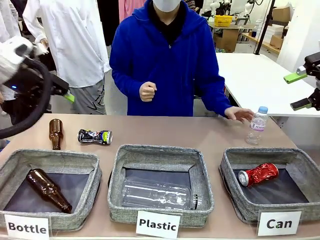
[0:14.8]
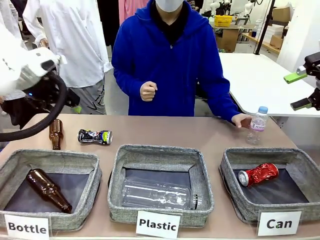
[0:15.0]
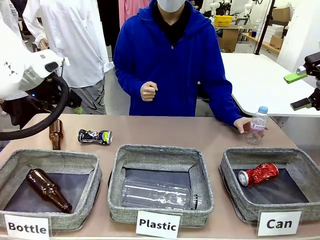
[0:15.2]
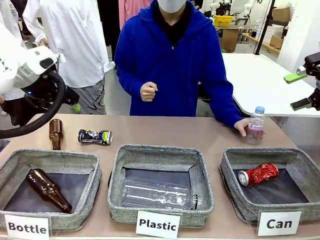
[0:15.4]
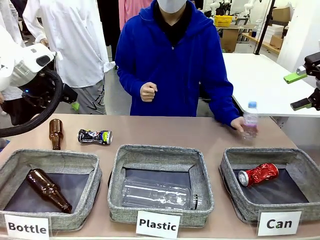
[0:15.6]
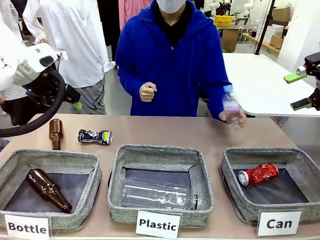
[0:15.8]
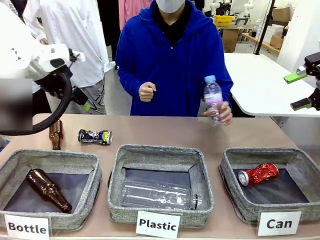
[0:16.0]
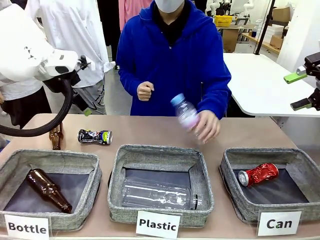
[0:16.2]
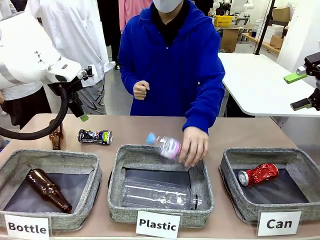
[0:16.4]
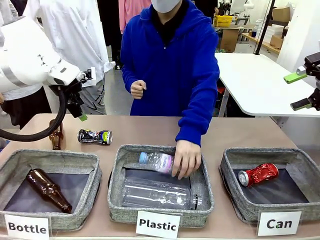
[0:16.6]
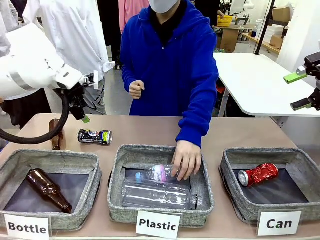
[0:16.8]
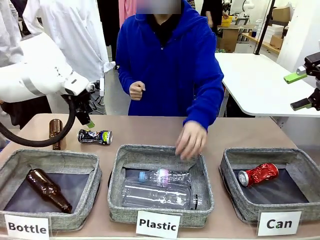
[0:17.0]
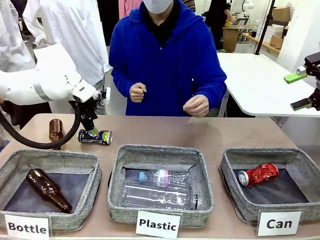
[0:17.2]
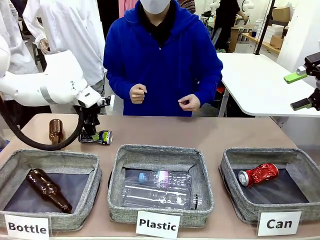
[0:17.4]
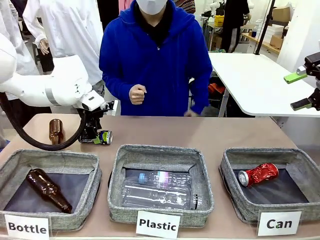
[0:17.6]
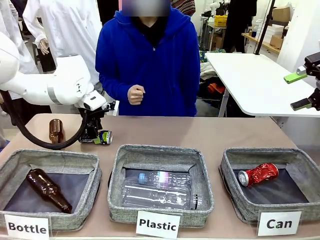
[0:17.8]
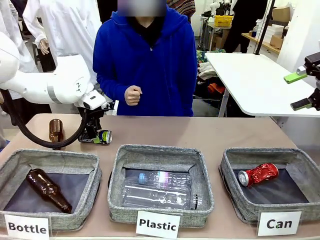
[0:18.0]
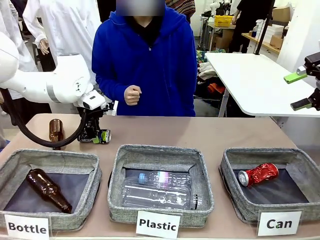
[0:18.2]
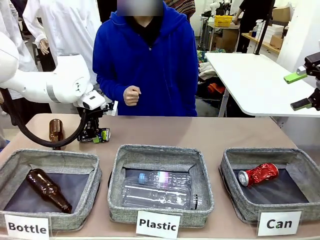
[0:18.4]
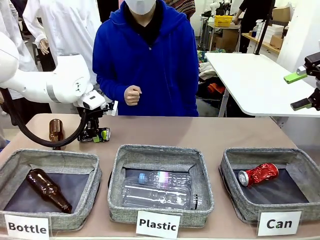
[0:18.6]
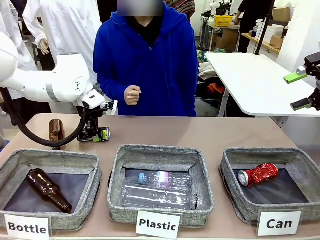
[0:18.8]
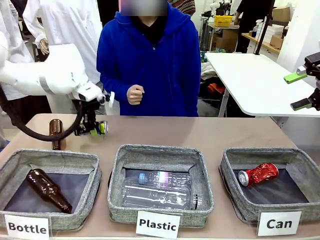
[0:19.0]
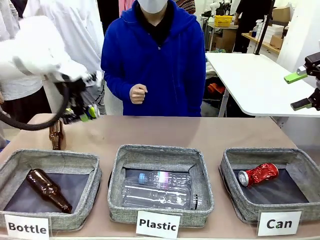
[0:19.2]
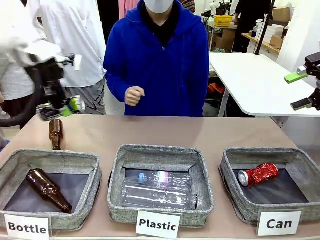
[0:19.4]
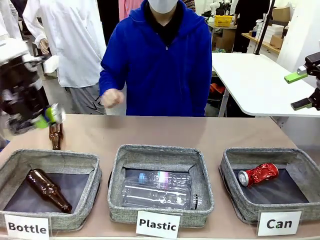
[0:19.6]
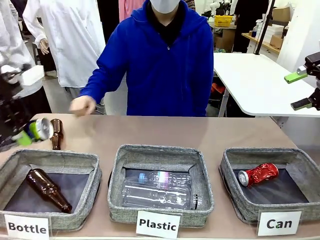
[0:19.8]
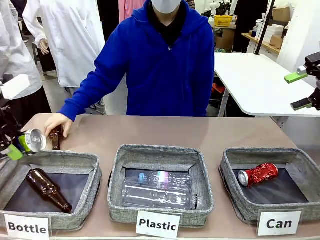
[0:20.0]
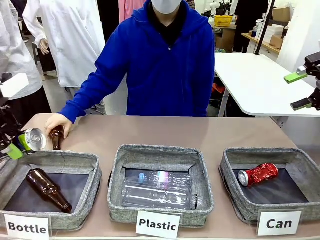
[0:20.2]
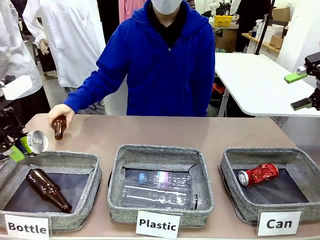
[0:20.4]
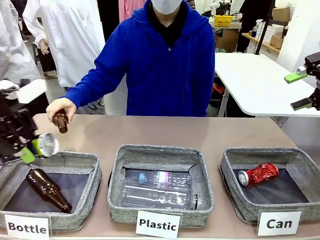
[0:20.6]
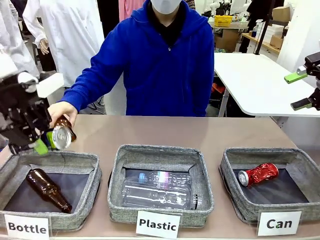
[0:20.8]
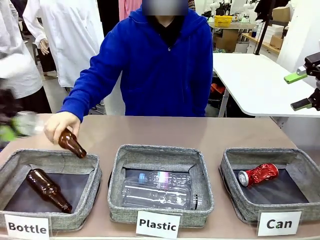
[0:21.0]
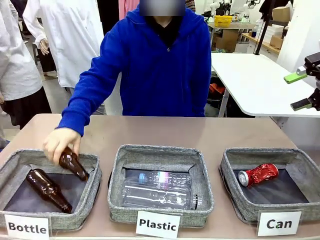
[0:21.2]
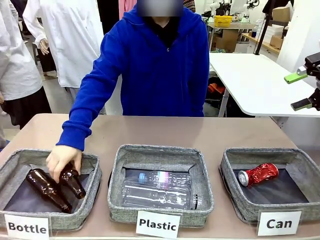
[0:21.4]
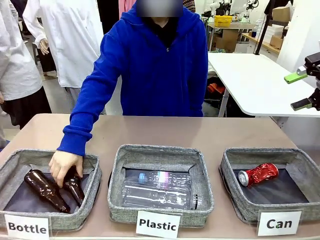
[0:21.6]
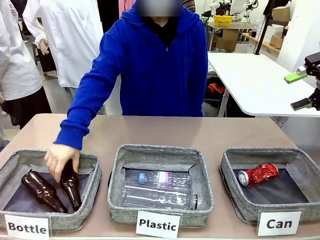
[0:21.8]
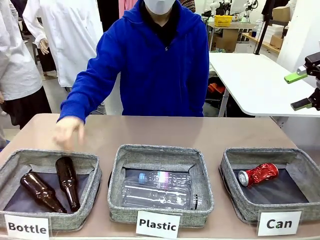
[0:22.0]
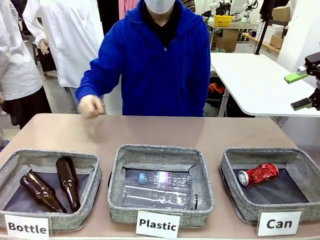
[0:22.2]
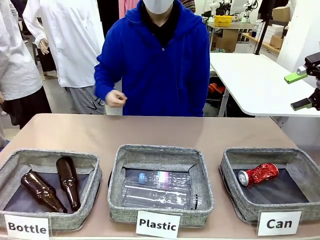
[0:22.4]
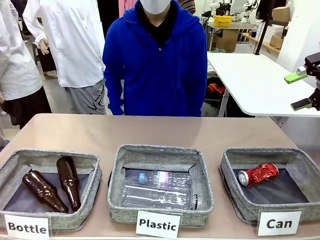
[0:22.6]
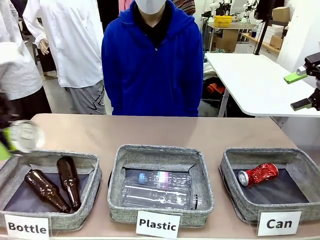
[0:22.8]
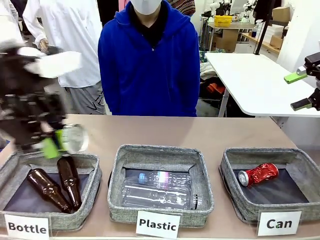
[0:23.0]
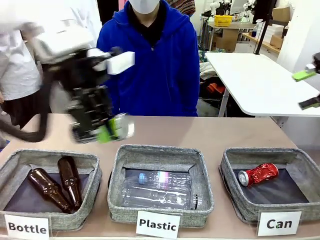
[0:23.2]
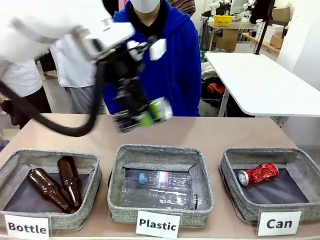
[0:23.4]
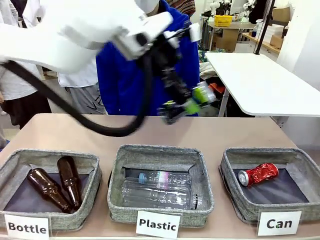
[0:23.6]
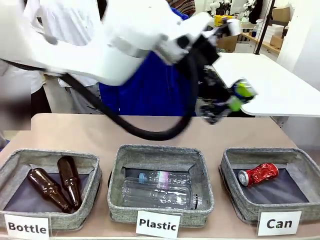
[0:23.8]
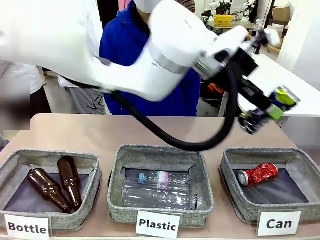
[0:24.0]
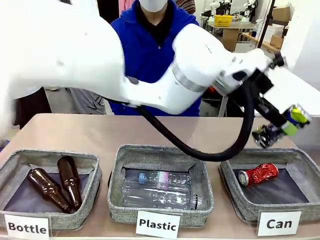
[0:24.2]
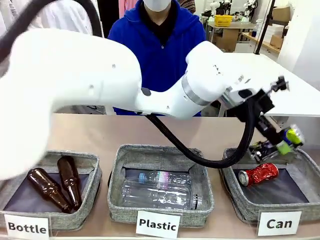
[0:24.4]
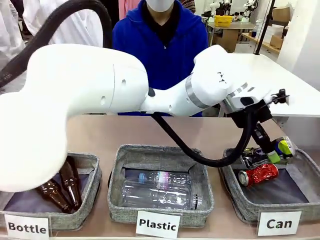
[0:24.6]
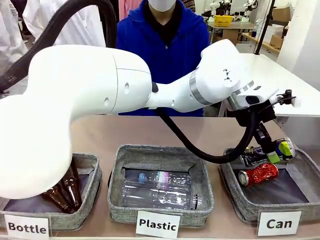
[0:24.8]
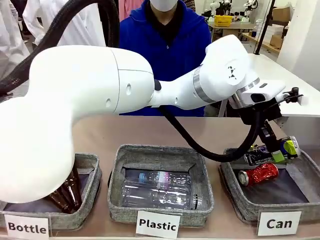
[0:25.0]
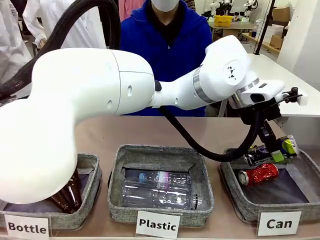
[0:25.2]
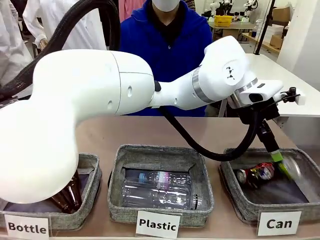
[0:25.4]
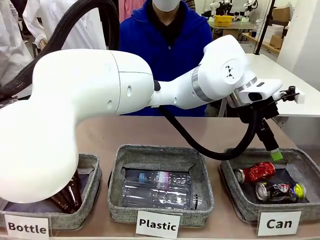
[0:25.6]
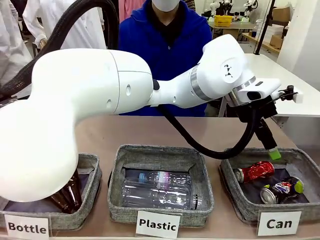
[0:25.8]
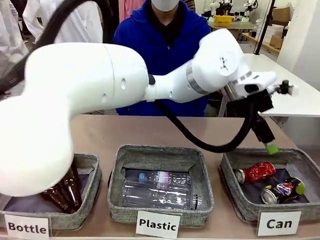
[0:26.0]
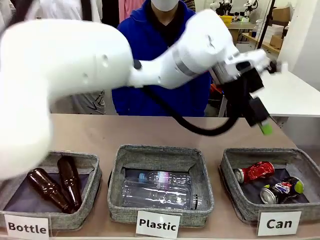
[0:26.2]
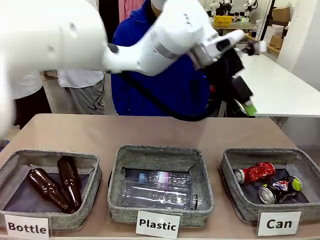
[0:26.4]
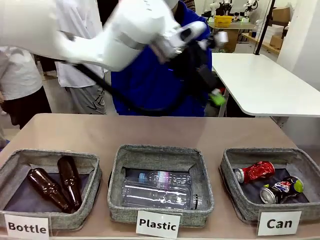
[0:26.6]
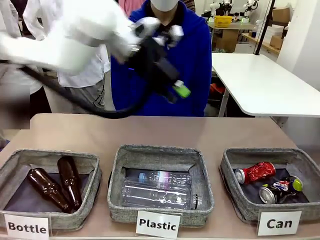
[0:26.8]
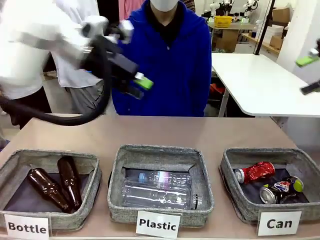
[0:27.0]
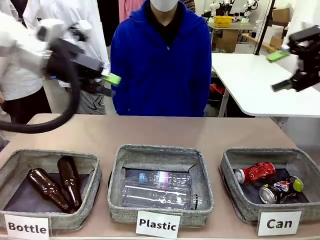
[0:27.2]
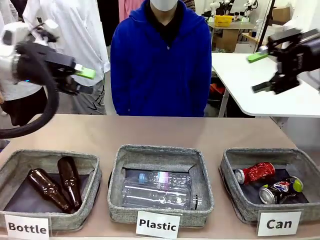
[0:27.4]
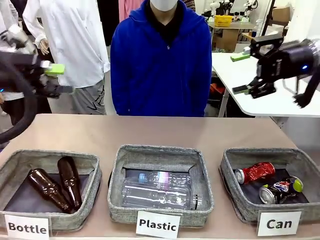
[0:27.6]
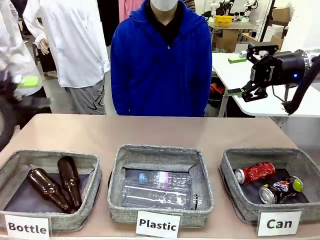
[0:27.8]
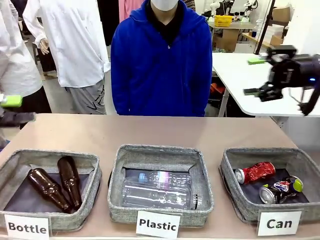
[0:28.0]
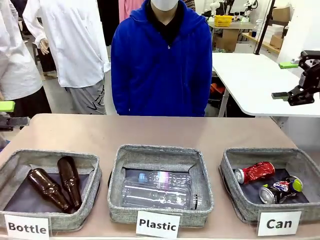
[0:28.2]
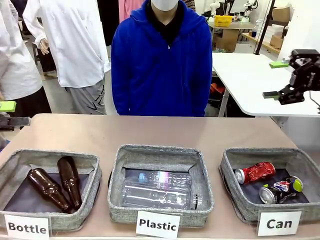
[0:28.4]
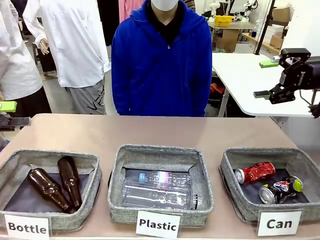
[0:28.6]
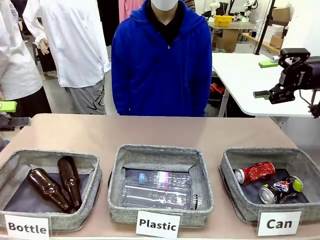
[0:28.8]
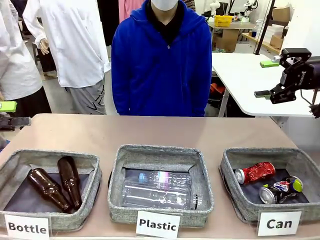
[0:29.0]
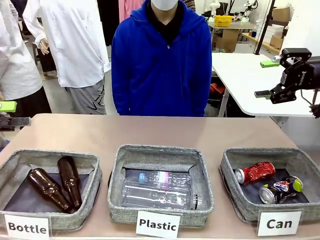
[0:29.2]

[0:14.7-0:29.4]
Task: Sort the can waste into the basket.
Robot: Pick up the can waste from the table and place it in the right Fabric basket.

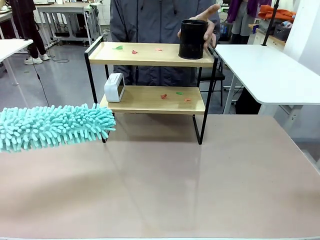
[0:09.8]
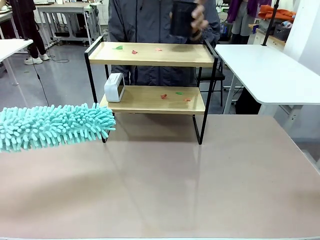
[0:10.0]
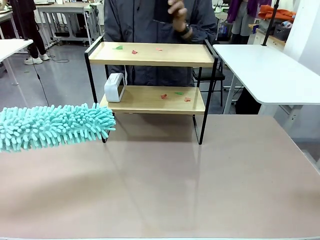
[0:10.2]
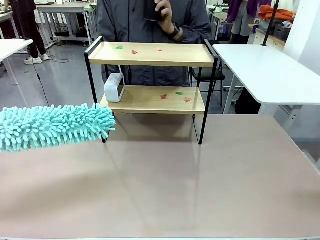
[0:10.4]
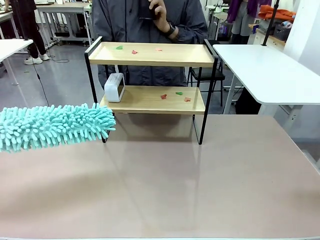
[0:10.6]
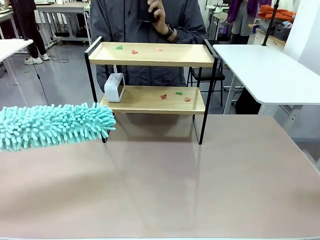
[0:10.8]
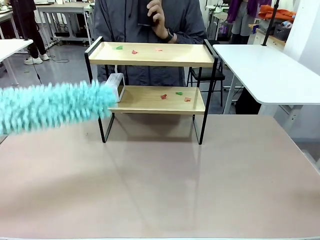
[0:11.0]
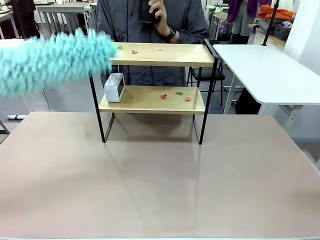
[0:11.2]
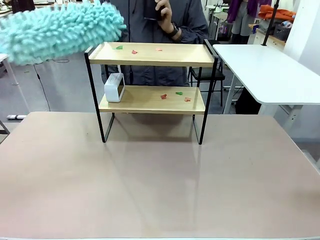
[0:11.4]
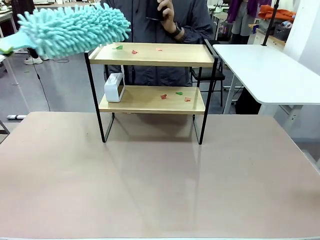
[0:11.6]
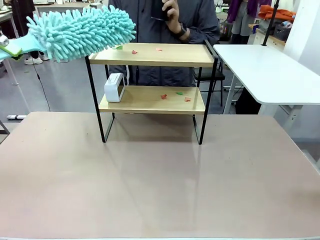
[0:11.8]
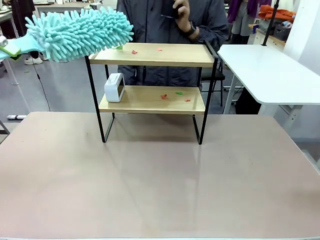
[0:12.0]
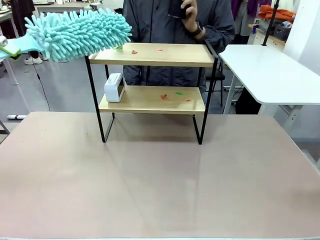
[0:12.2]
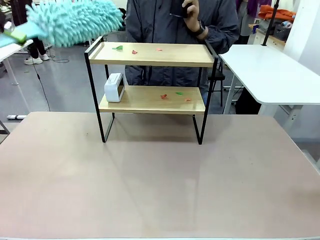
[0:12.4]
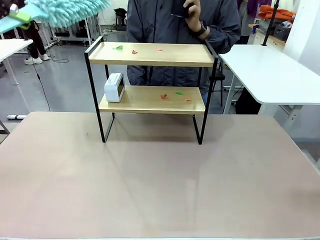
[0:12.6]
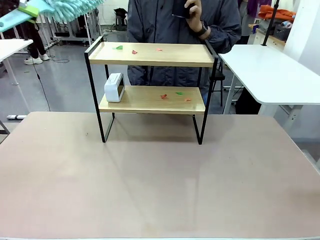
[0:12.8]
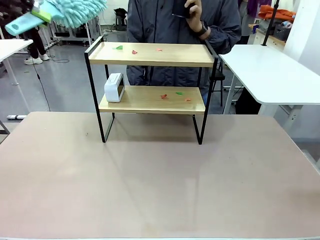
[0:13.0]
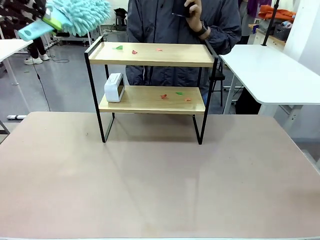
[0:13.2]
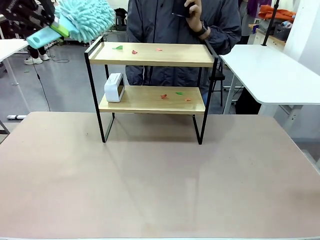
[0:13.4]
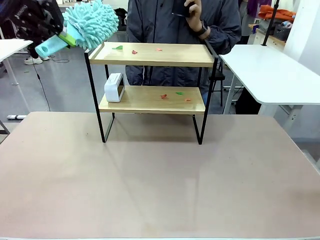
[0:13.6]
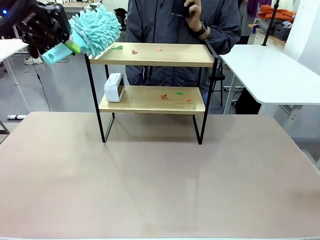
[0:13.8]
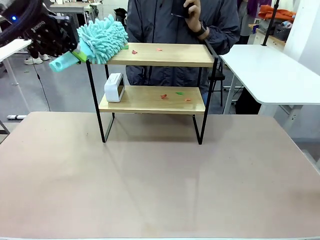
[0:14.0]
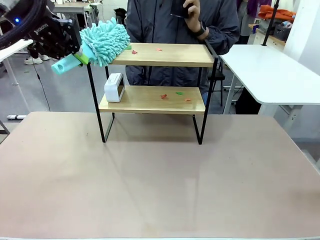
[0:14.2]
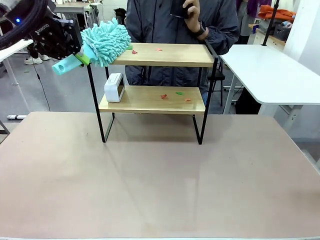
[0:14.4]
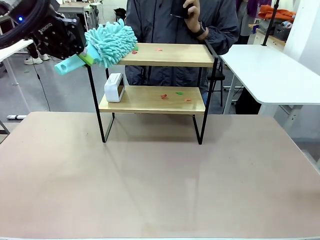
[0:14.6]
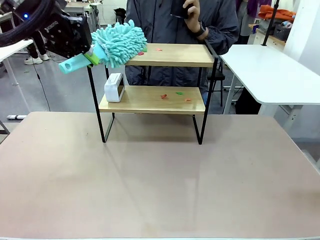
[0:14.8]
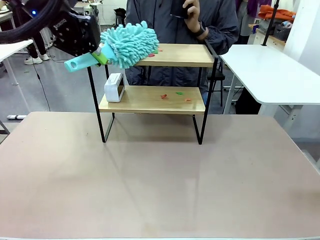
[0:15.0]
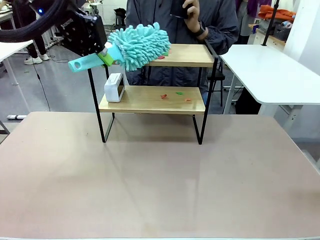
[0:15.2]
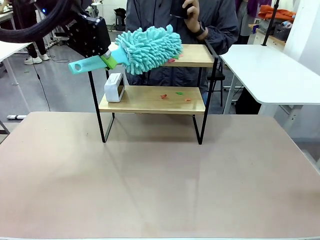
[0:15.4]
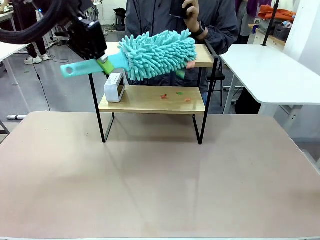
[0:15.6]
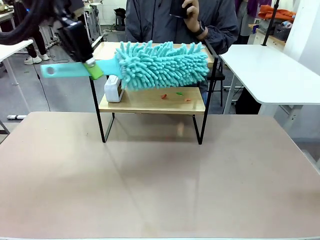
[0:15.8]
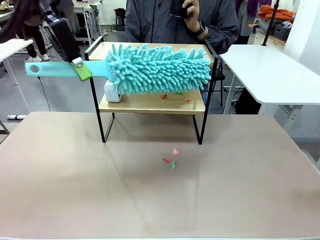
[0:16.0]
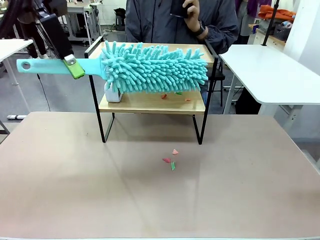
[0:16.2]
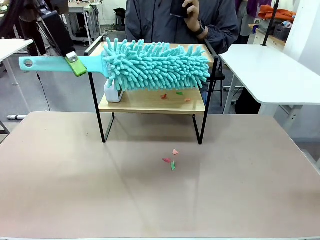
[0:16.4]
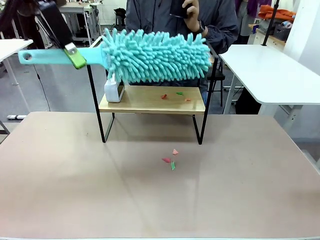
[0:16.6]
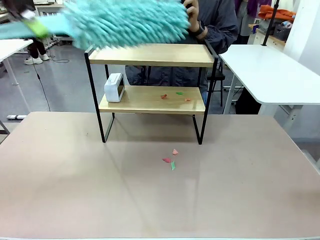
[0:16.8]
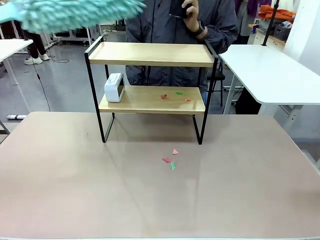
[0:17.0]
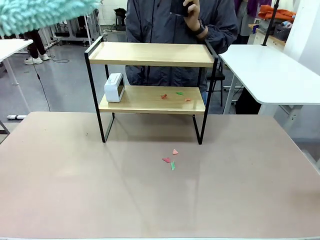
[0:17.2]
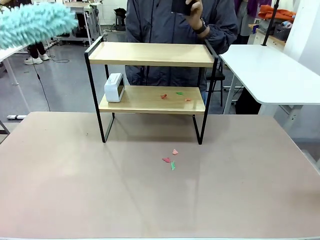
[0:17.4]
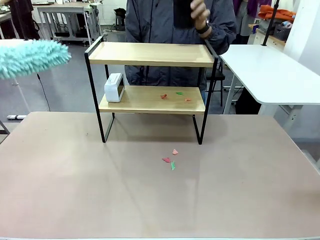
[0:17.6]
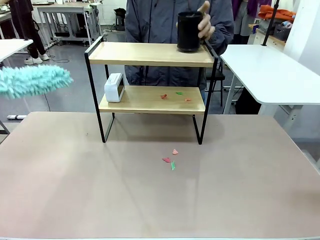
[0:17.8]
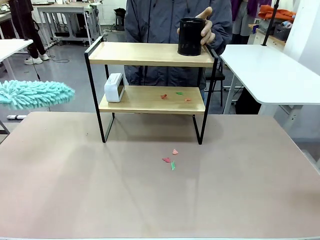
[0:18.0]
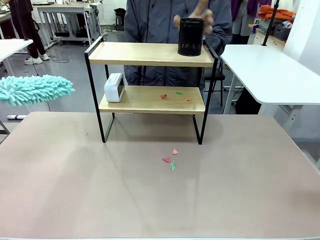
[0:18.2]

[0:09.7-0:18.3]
Task: Clean the shelf.
Robot: Clean the specific tier of the Shelf with the Duster once objects are removed.
Person: Once the robot finishes cleaning, lift the objects on the remaining tiers of the Shelf.
